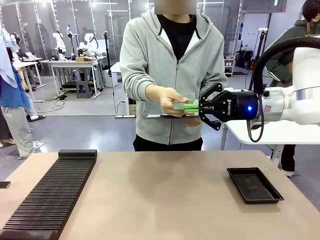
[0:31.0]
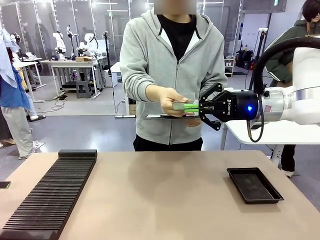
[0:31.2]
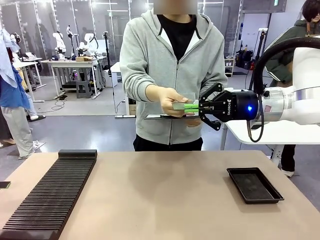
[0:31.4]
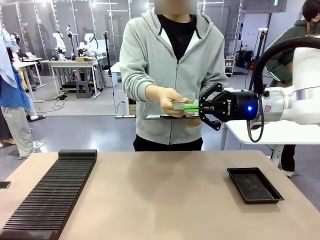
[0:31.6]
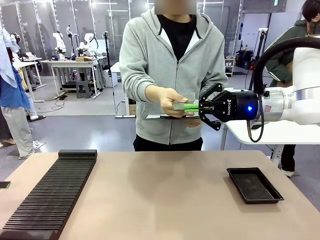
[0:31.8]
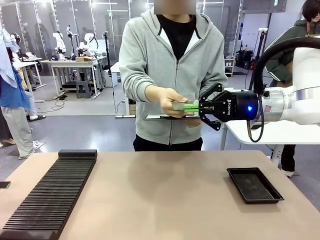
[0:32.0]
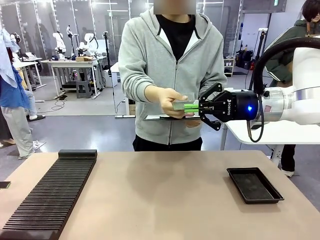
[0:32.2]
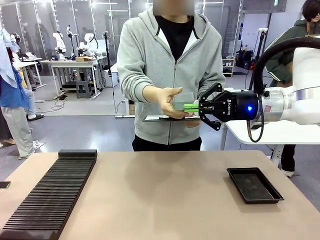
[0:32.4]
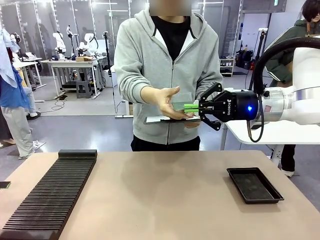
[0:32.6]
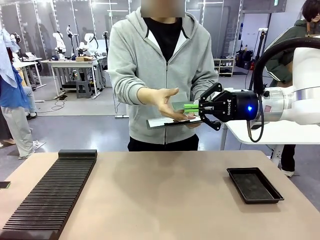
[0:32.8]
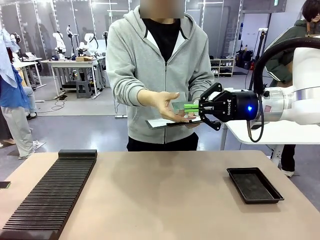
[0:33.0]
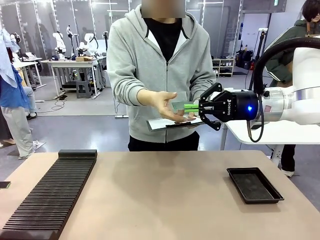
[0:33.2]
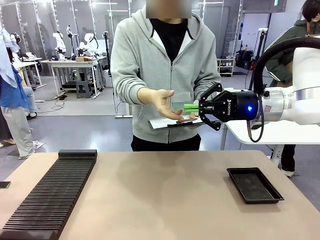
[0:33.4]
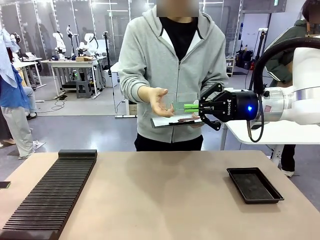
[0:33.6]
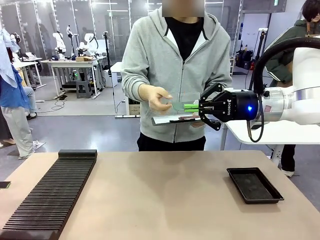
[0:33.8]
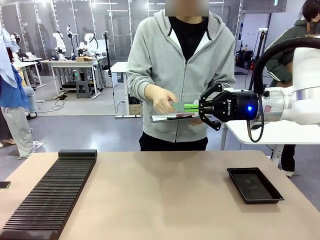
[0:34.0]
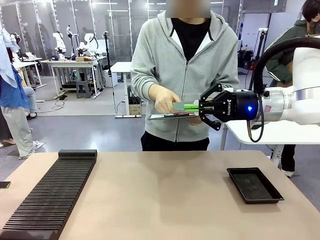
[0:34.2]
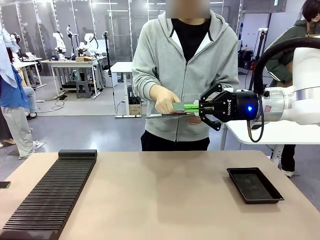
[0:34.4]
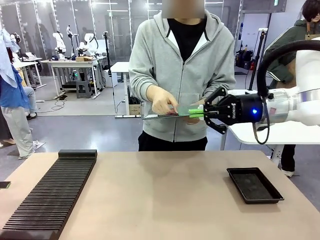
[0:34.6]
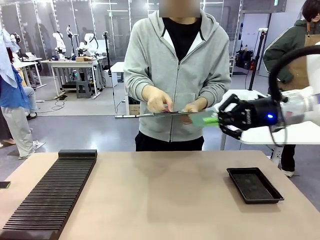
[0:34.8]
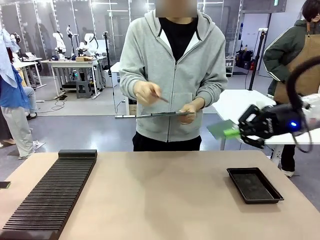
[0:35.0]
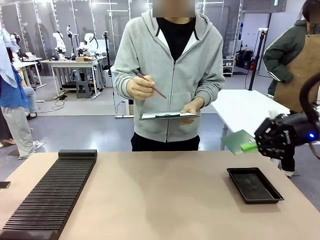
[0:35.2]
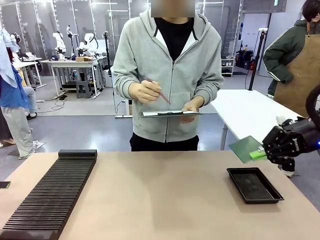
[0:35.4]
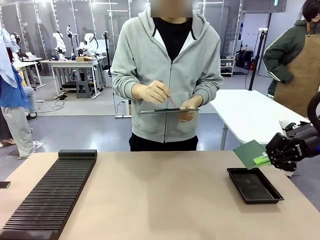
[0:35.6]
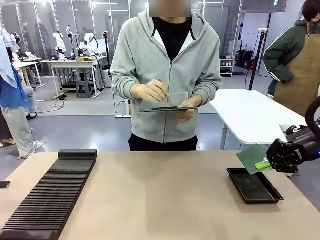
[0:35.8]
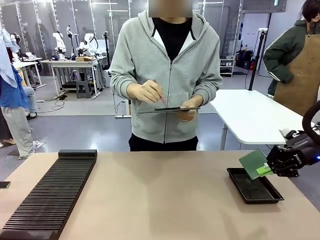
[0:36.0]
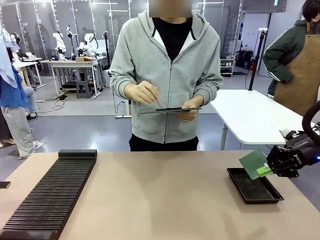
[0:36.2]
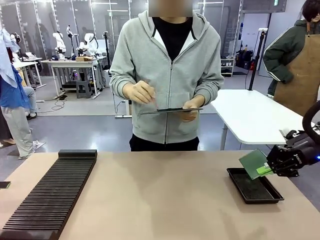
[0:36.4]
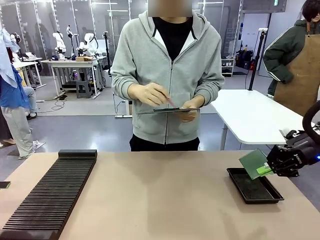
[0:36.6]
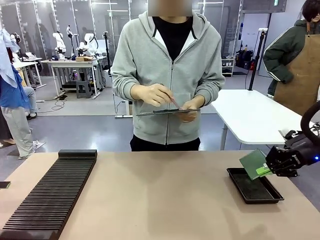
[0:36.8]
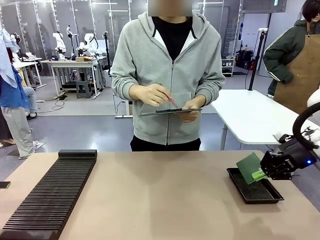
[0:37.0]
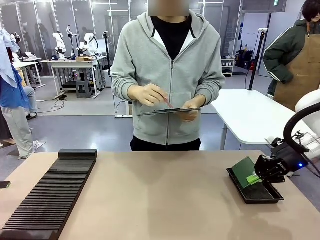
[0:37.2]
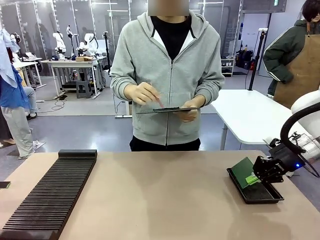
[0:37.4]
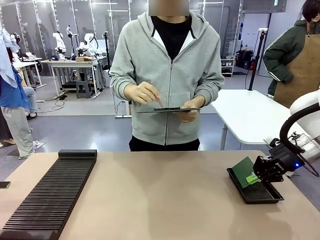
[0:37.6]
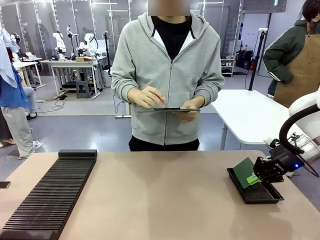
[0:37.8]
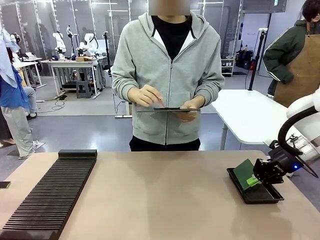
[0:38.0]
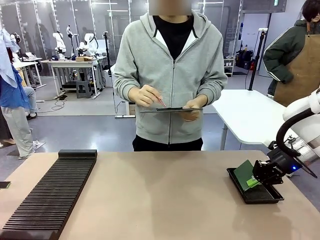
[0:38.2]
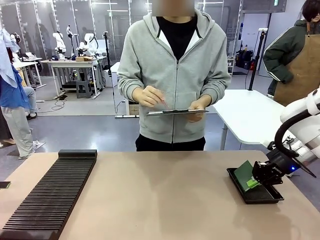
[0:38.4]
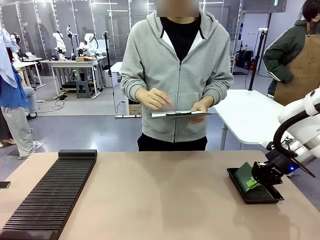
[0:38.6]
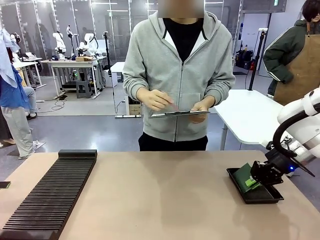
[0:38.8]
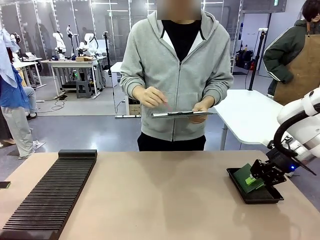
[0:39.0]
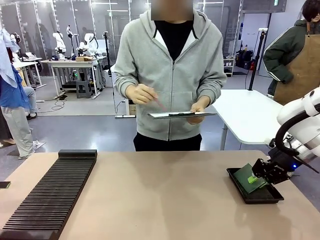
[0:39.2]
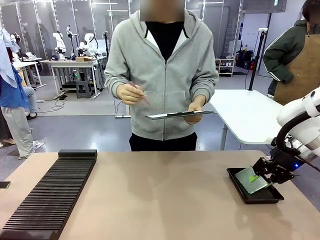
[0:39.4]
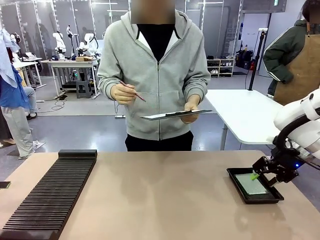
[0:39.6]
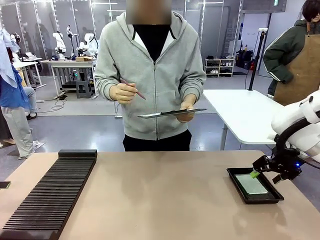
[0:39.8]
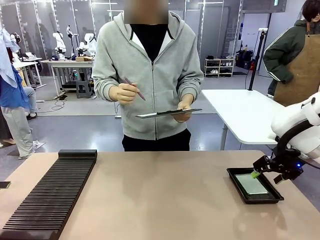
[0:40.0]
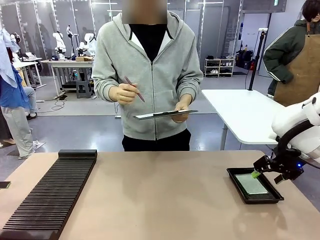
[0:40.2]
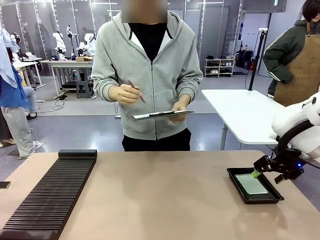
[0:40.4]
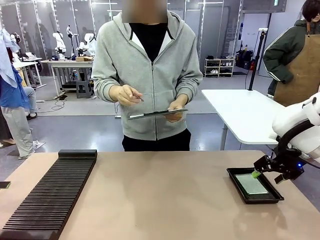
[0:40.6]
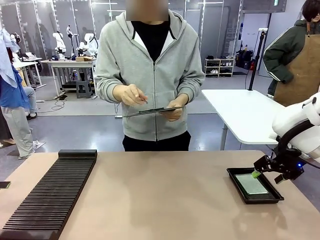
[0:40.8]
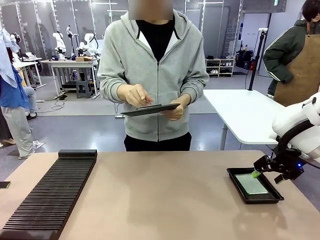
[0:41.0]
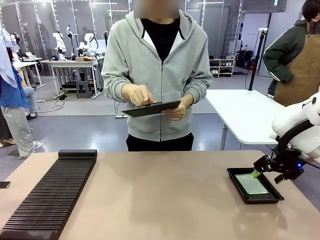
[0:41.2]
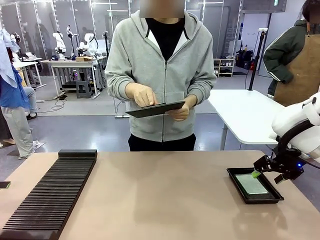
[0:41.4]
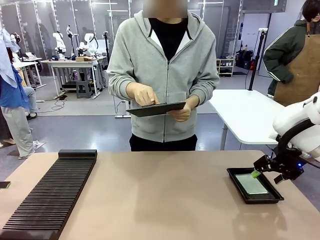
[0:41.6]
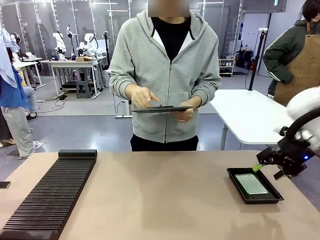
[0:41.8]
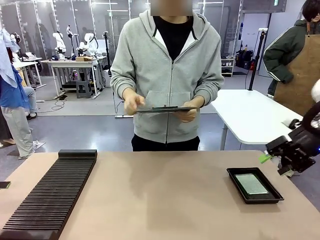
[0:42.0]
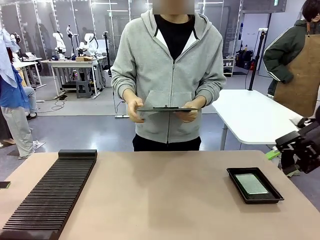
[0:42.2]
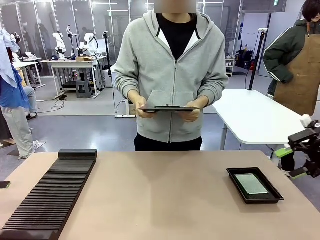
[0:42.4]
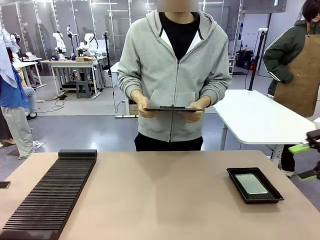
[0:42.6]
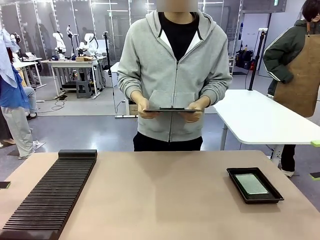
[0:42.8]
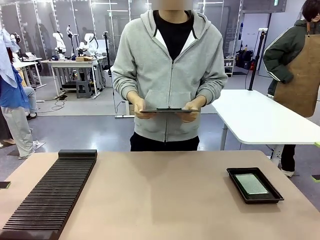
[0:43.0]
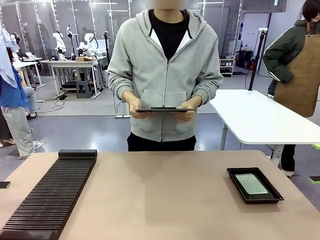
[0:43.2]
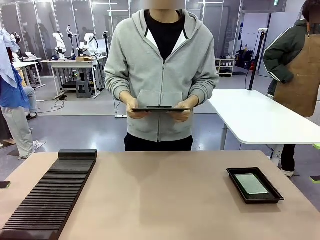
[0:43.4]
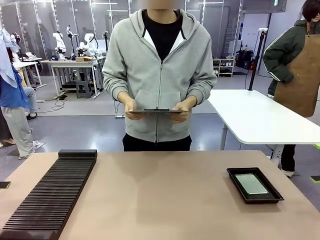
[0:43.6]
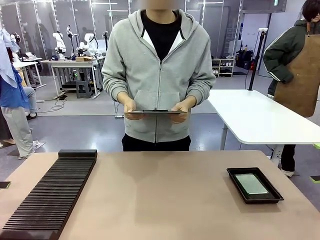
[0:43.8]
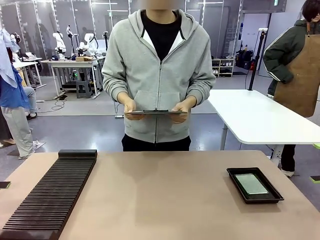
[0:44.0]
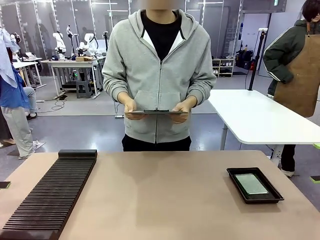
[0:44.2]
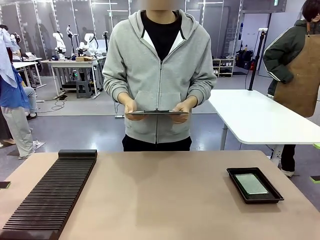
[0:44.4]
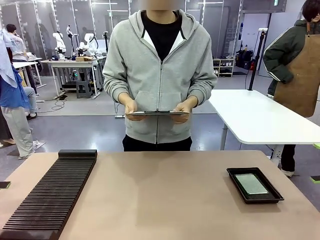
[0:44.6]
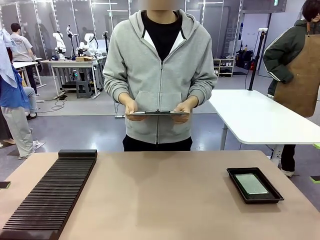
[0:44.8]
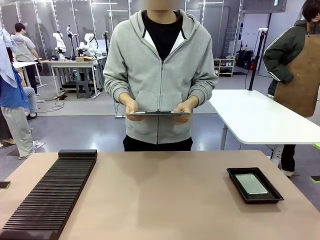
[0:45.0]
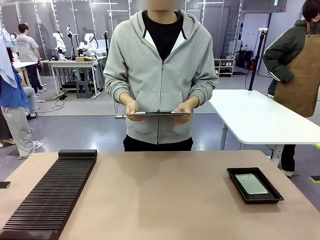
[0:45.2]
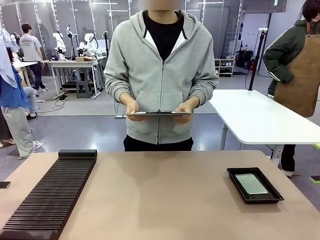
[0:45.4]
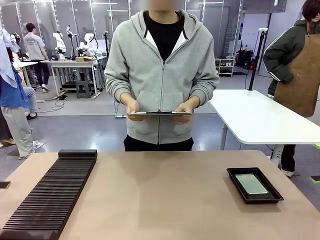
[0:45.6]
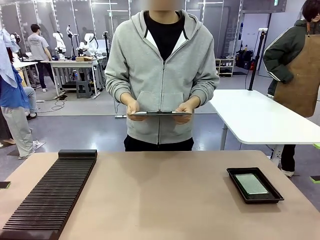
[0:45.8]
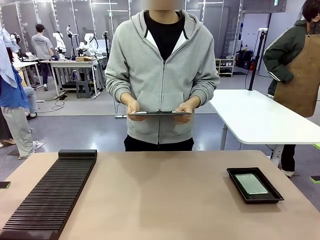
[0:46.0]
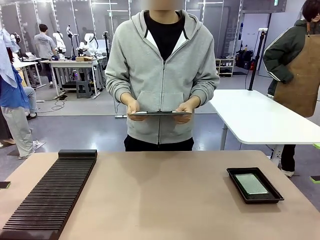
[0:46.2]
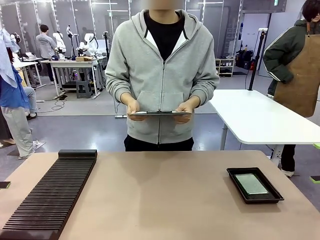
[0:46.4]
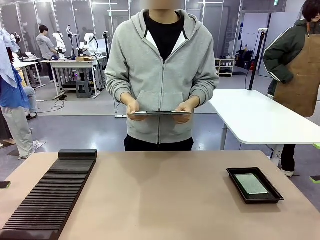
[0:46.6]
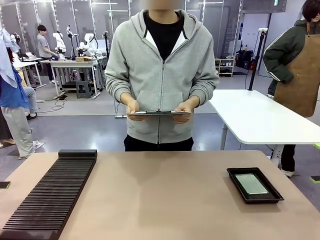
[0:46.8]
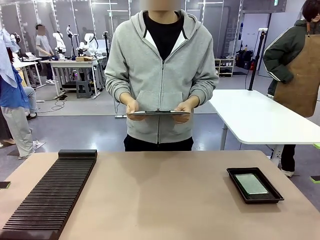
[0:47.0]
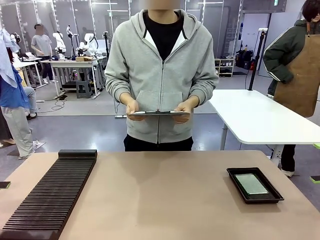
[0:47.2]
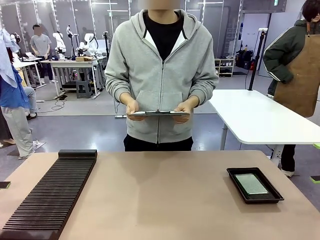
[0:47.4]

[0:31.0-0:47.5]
Task: Inspect the PCB.
Robot: Place the Blank PCB in the ESD tray.
Person: Record the PCB status on the paper.
